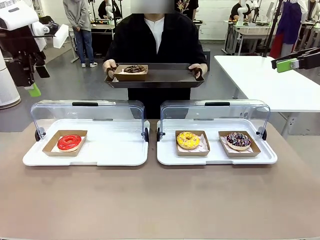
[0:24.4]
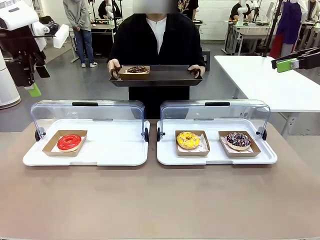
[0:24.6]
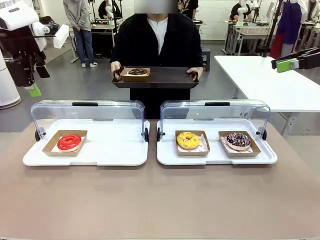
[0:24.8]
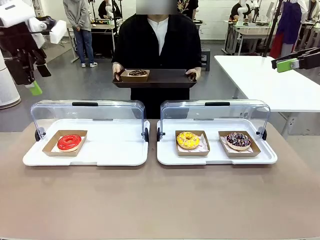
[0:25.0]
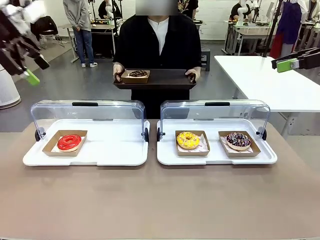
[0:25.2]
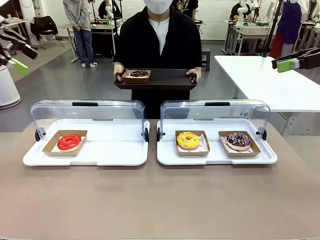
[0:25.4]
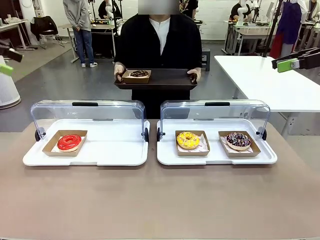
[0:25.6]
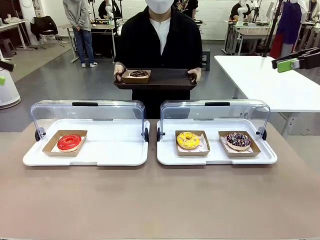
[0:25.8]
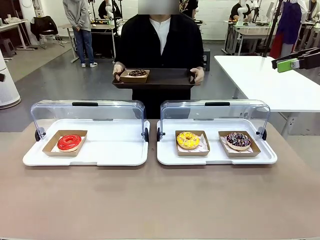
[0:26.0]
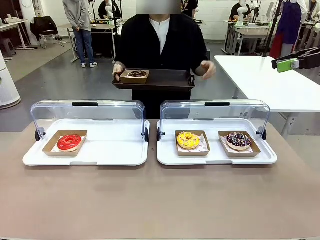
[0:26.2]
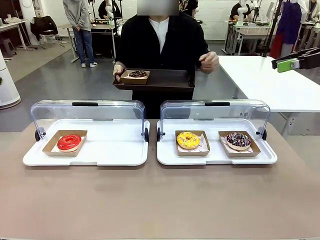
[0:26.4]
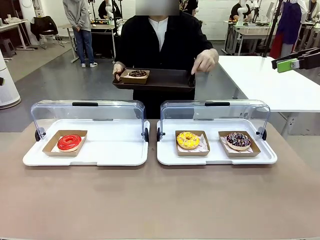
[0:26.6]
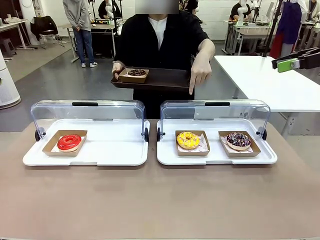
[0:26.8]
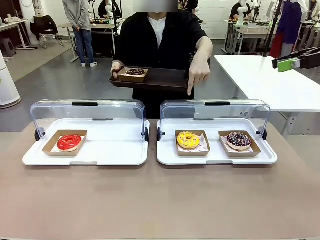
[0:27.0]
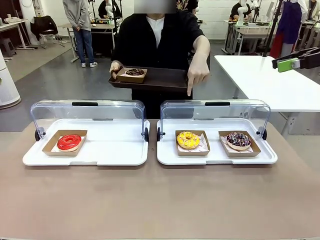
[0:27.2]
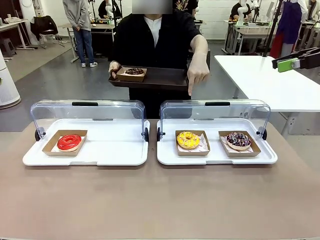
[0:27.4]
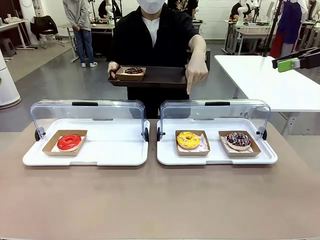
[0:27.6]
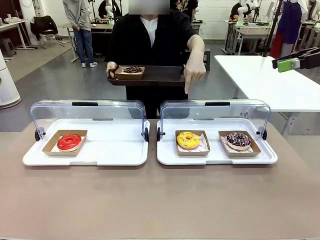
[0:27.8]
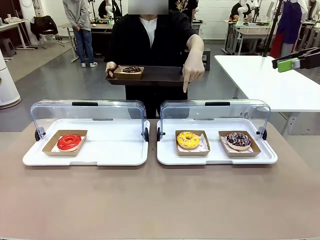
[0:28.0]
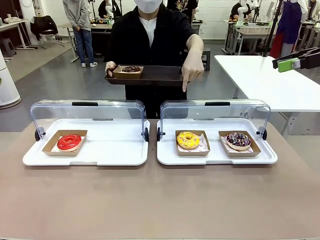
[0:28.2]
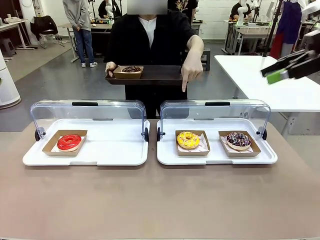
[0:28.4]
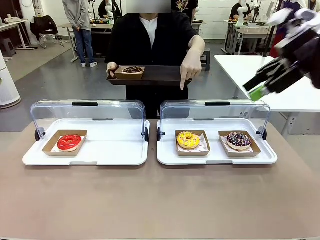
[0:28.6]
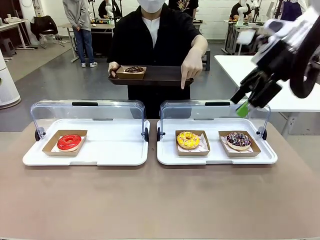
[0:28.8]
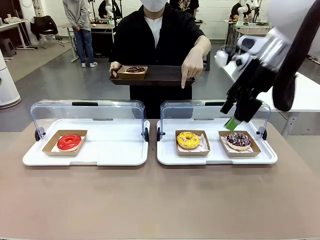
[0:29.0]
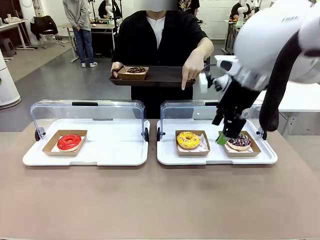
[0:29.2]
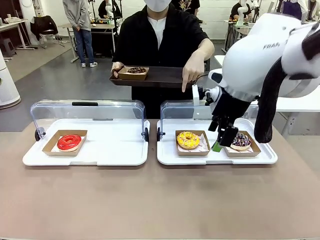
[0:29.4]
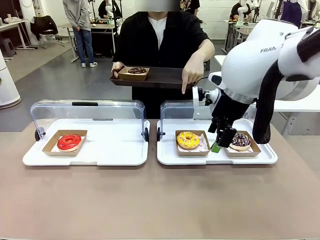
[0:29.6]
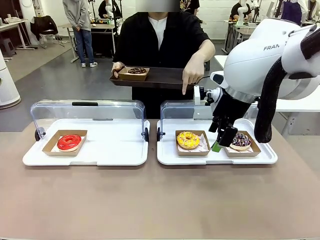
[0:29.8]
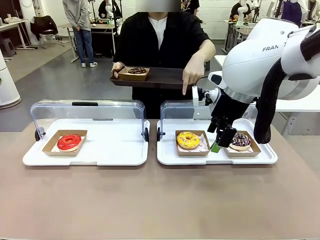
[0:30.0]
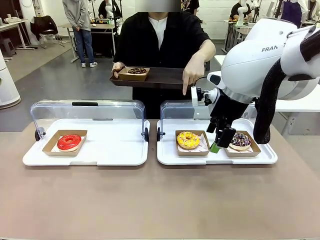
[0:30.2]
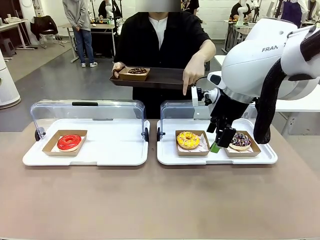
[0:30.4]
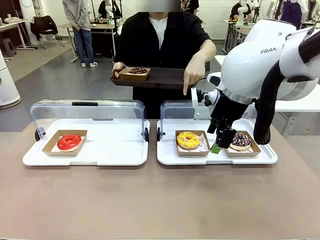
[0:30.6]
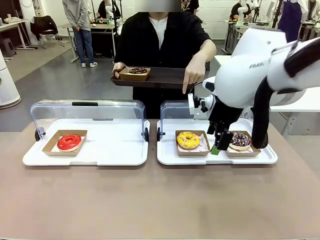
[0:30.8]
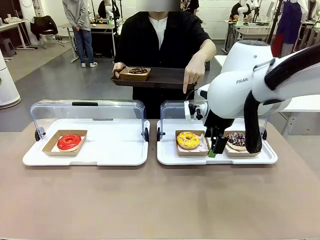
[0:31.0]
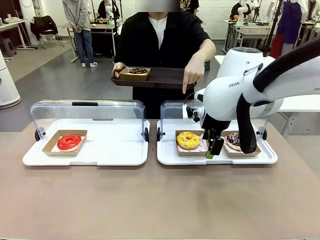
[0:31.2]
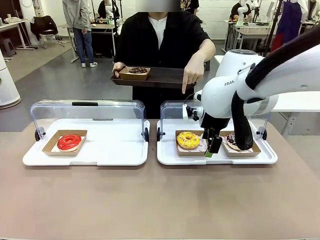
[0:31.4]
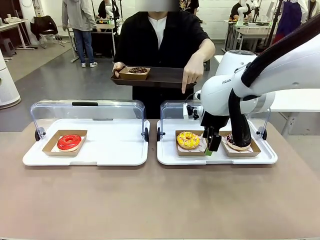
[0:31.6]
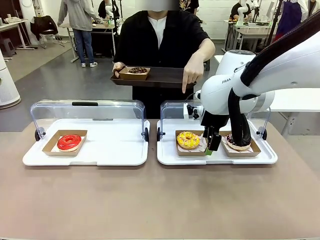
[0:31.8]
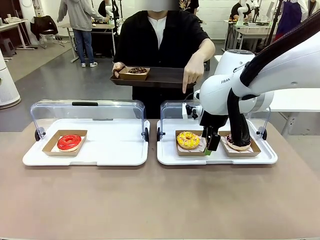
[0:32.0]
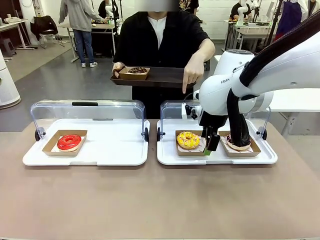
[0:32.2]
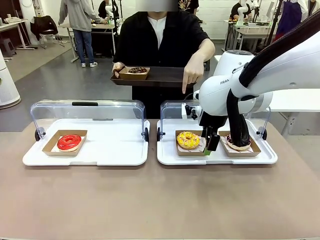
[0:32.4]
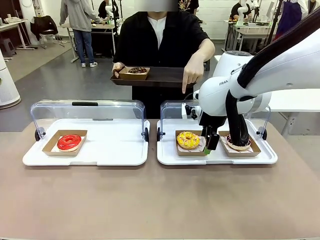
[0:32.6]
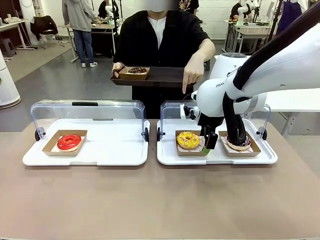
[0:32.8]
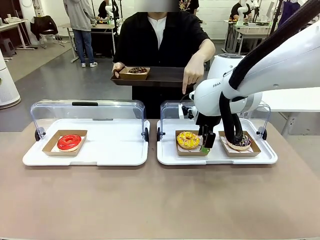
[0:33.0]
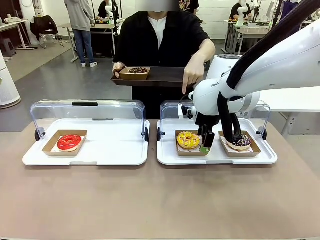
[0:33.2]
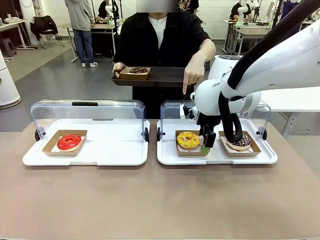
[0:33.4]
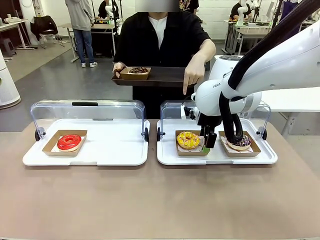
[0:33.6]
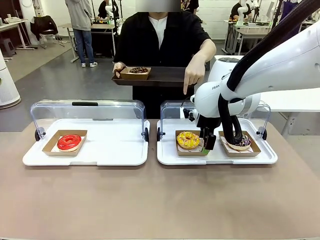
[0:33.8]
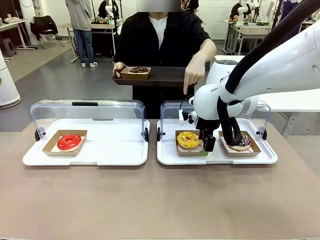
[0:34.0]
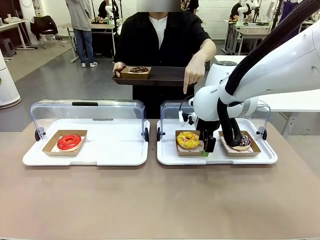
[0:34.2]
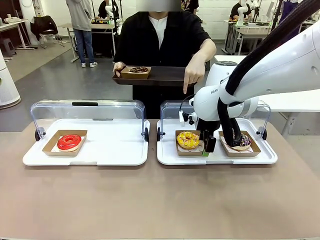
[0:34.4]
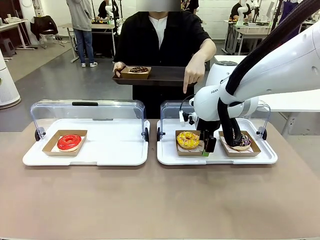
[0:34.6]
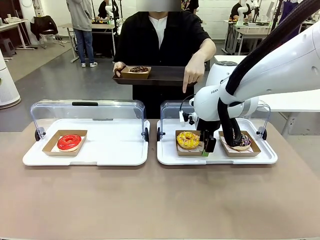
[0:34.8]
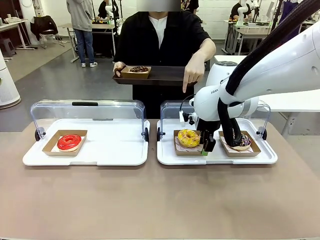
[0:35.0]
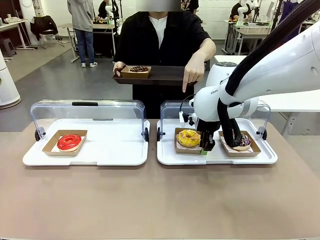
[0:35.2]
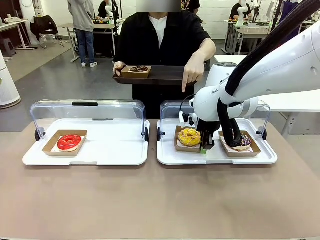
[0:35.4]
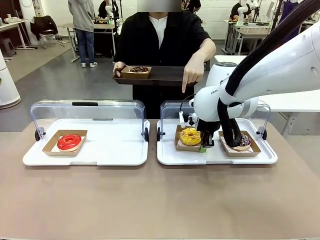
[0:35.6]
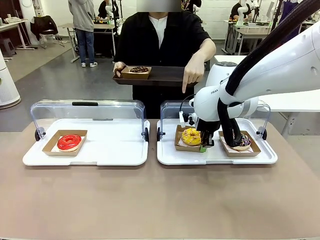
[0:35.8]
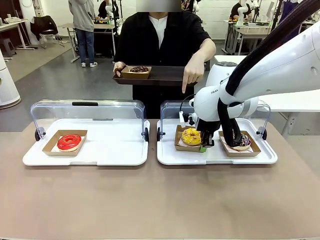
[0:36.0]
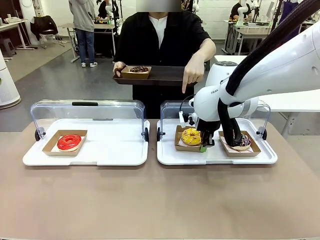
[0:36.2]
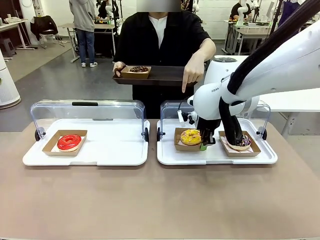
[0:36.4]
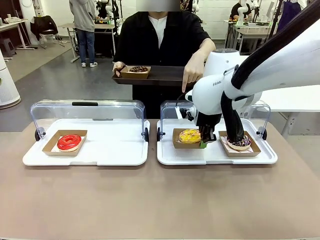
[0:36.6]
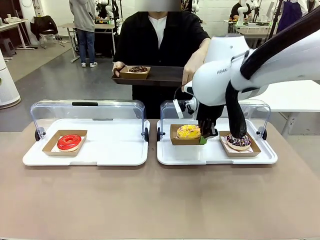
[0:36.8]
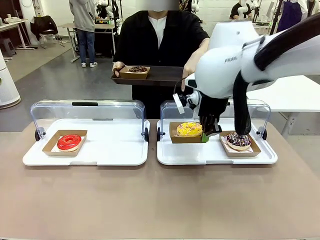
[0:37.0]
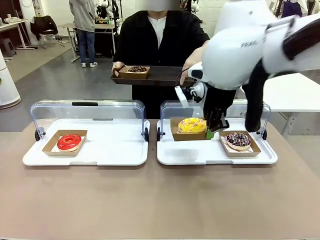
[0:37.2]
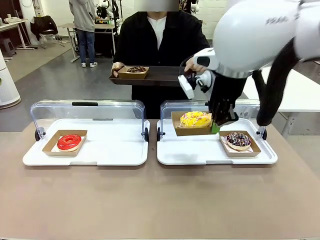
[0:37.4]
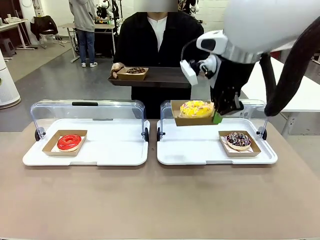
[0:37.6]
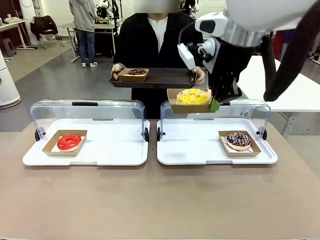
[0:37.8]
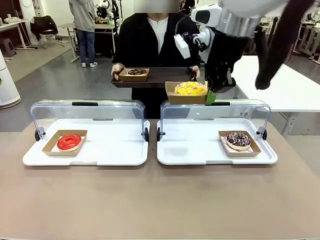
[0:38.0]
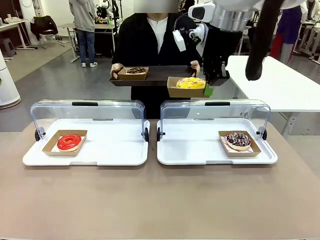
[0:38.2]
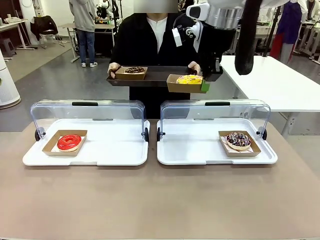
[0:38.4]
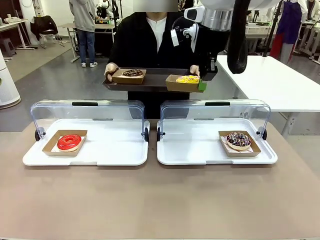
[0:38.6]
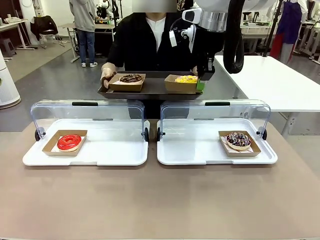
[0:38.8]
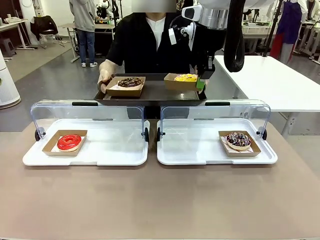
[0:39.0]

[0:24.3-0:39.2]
Task: Provide the desired donut to the person.
Robot: Pick up and lift the Paper togo box containing the Donut pointed at by the person.
Person: Point to one donut. Lift the tray onto the Roll-Top Bakery Case.
